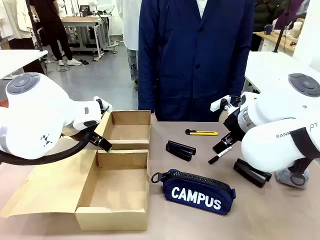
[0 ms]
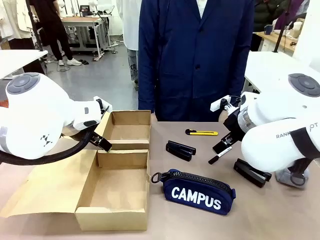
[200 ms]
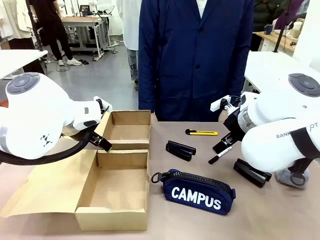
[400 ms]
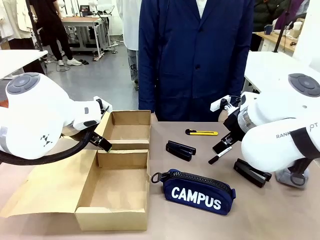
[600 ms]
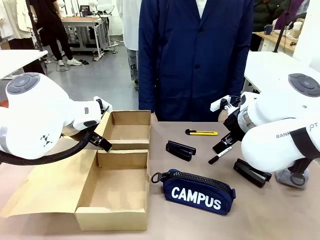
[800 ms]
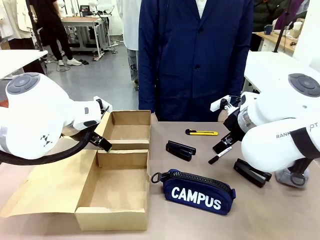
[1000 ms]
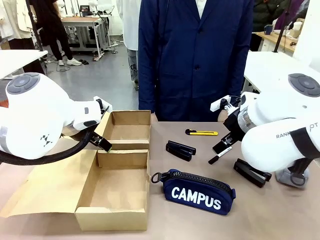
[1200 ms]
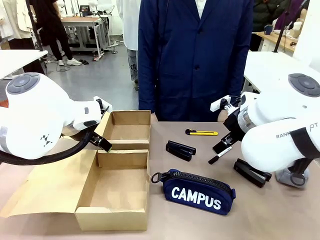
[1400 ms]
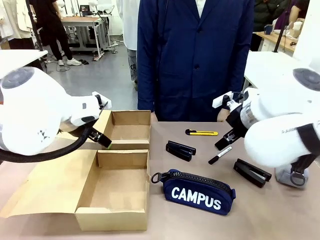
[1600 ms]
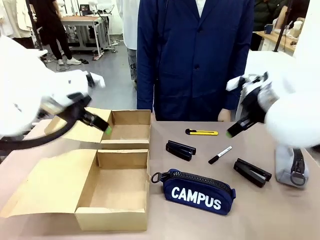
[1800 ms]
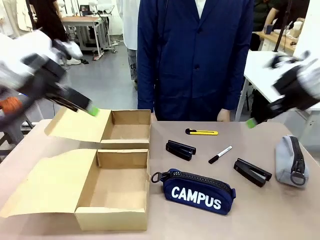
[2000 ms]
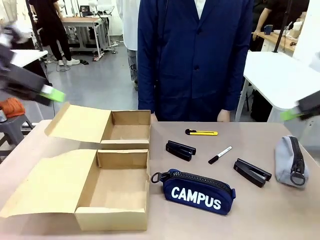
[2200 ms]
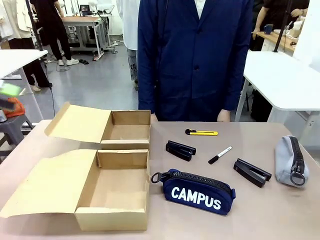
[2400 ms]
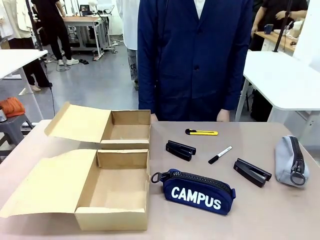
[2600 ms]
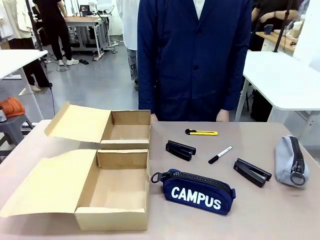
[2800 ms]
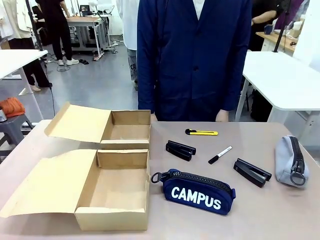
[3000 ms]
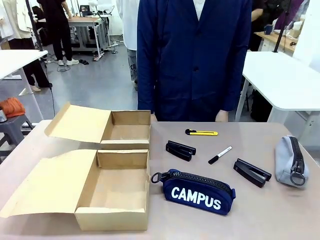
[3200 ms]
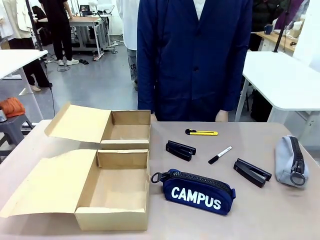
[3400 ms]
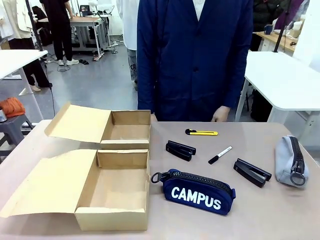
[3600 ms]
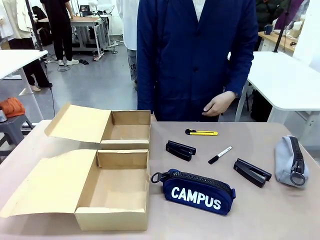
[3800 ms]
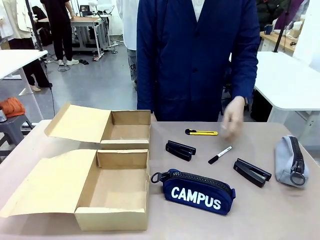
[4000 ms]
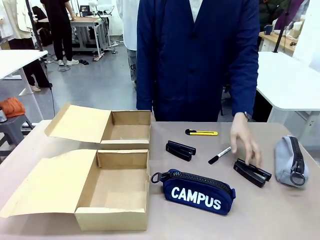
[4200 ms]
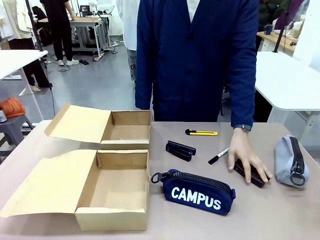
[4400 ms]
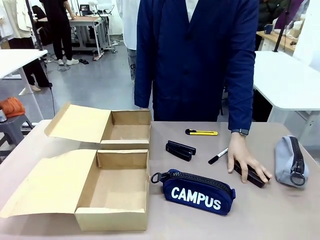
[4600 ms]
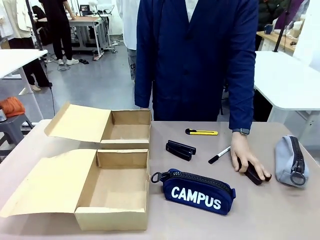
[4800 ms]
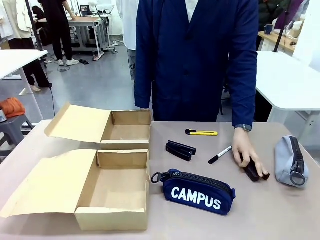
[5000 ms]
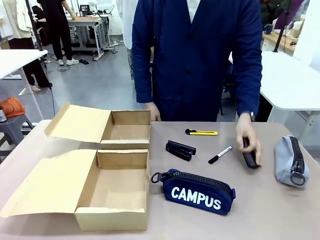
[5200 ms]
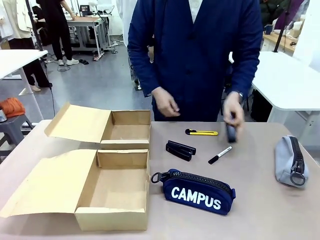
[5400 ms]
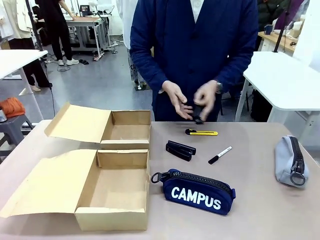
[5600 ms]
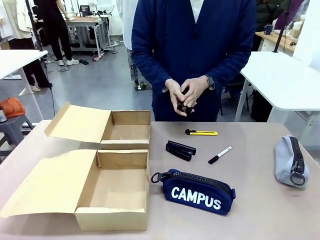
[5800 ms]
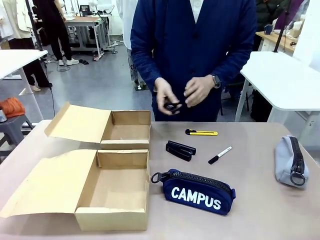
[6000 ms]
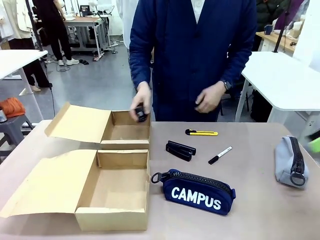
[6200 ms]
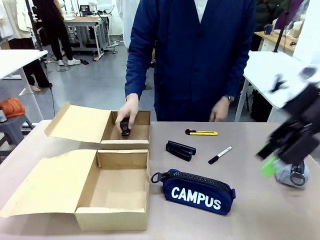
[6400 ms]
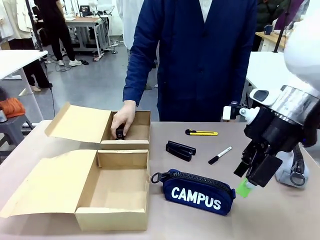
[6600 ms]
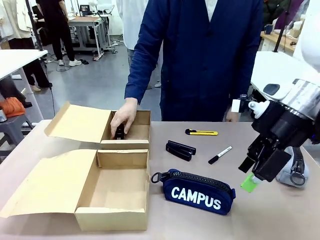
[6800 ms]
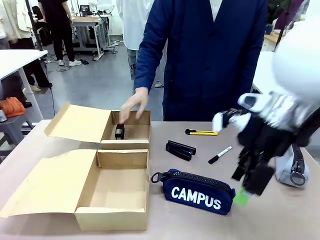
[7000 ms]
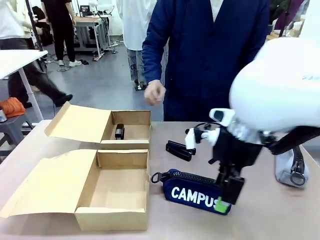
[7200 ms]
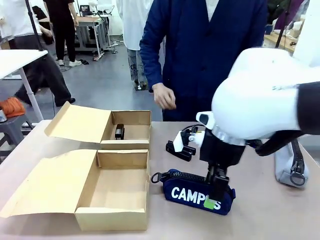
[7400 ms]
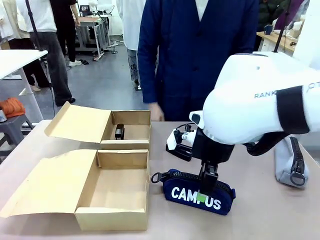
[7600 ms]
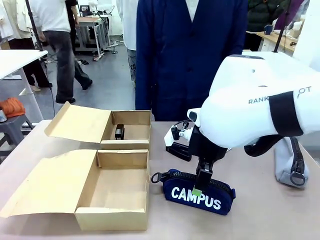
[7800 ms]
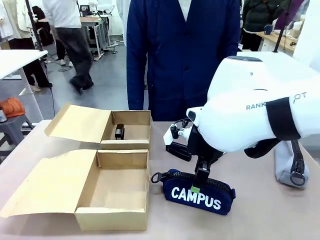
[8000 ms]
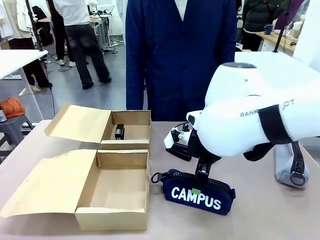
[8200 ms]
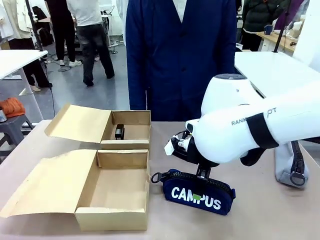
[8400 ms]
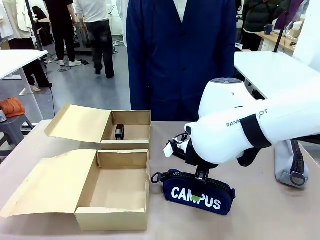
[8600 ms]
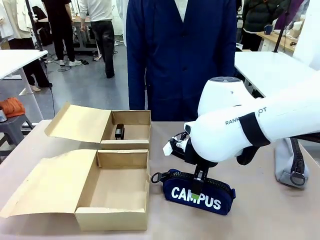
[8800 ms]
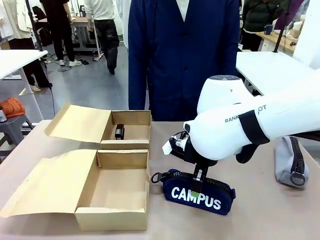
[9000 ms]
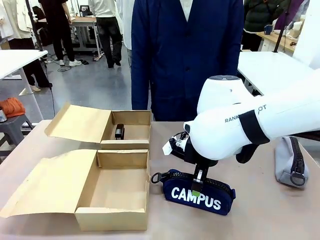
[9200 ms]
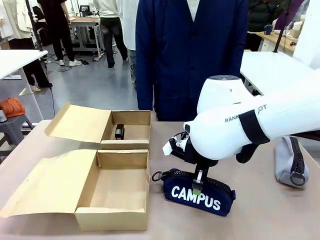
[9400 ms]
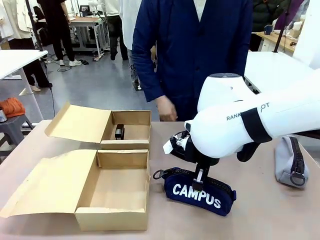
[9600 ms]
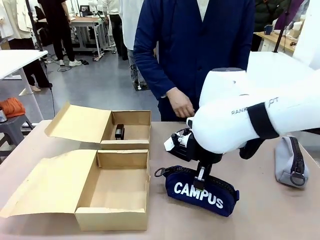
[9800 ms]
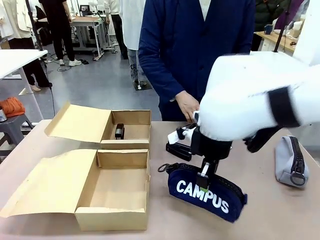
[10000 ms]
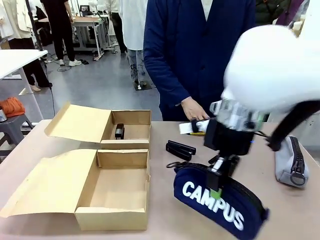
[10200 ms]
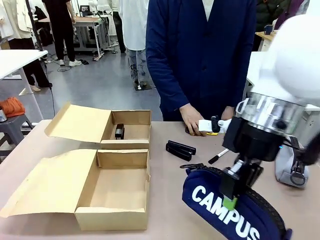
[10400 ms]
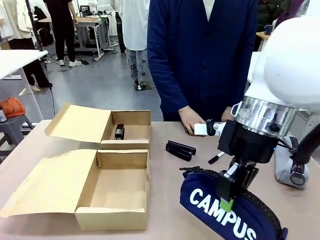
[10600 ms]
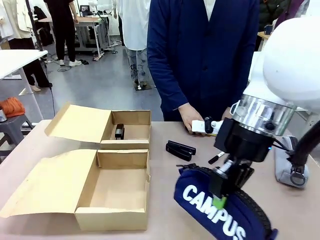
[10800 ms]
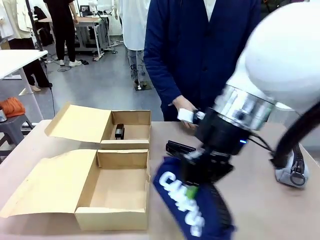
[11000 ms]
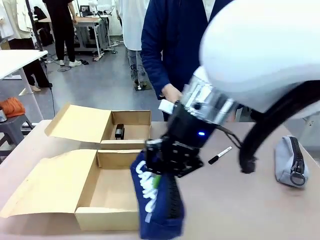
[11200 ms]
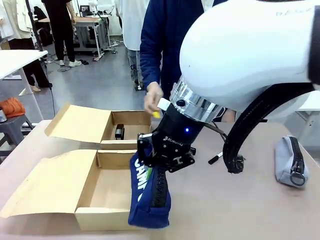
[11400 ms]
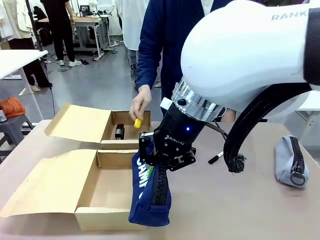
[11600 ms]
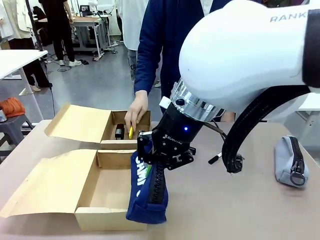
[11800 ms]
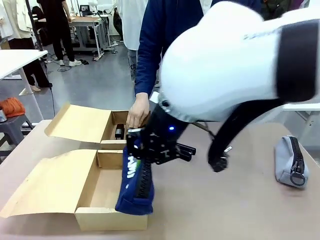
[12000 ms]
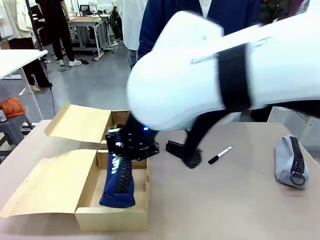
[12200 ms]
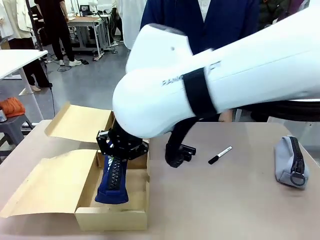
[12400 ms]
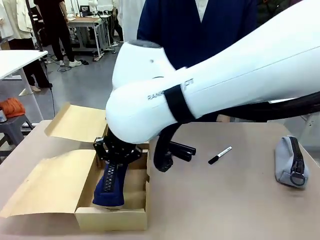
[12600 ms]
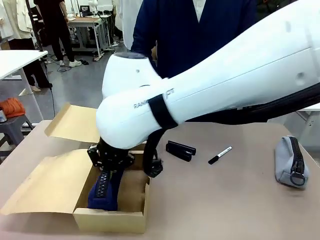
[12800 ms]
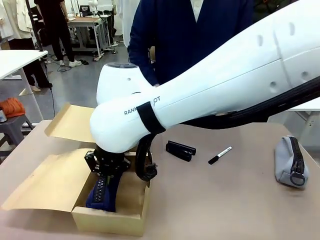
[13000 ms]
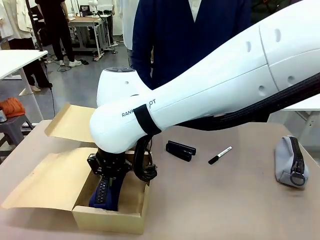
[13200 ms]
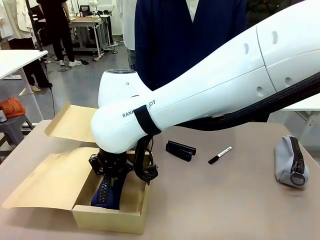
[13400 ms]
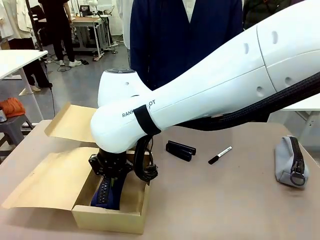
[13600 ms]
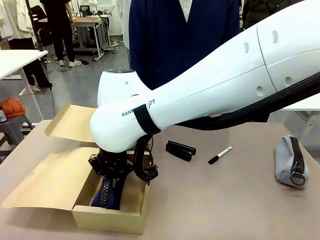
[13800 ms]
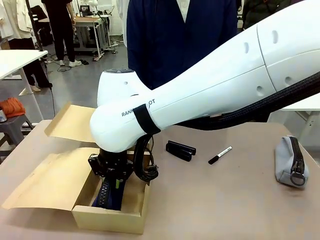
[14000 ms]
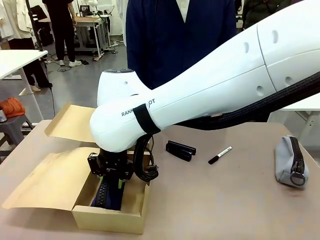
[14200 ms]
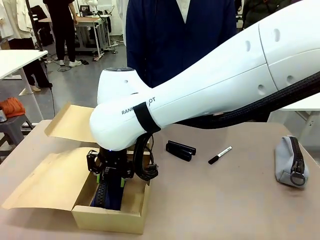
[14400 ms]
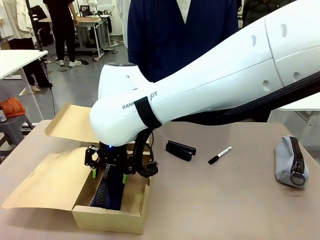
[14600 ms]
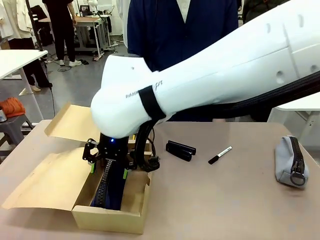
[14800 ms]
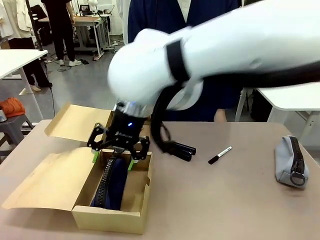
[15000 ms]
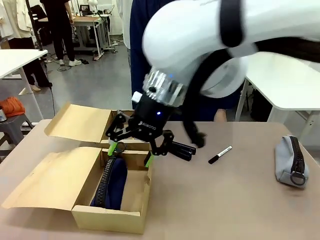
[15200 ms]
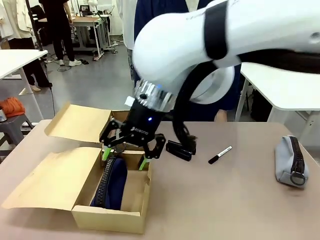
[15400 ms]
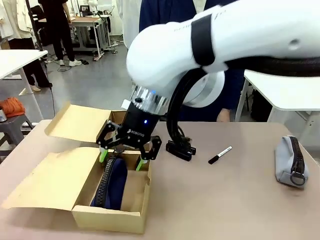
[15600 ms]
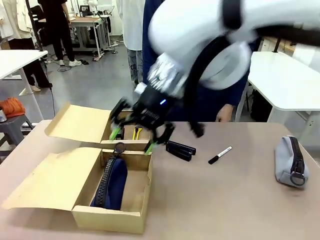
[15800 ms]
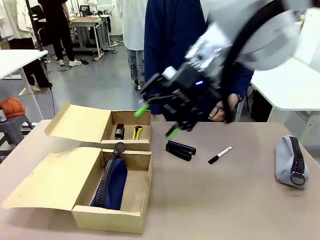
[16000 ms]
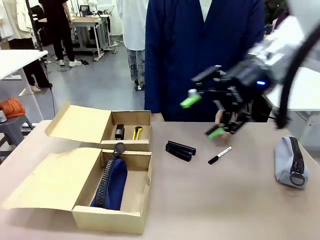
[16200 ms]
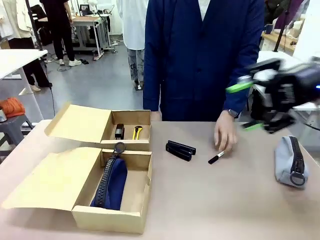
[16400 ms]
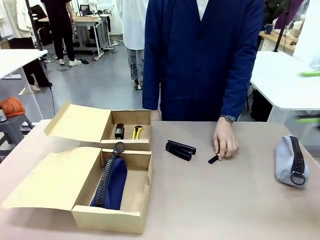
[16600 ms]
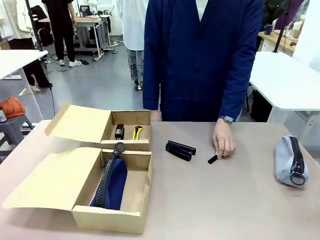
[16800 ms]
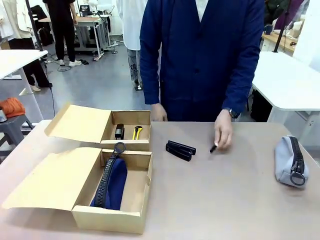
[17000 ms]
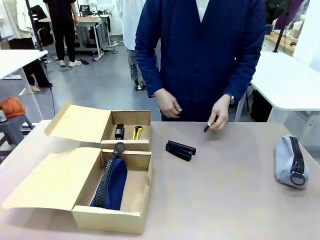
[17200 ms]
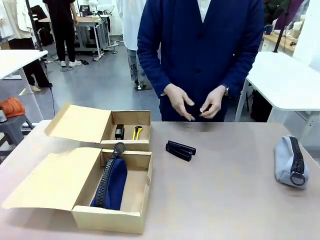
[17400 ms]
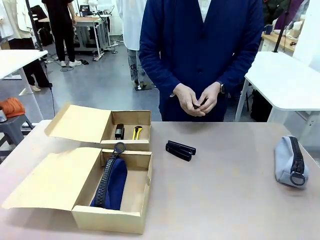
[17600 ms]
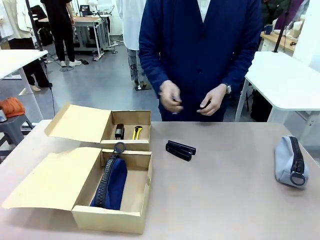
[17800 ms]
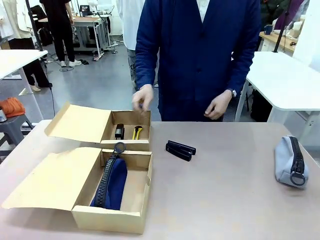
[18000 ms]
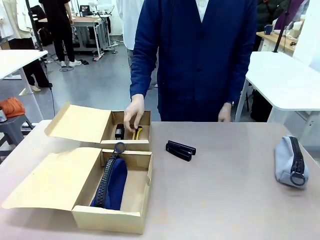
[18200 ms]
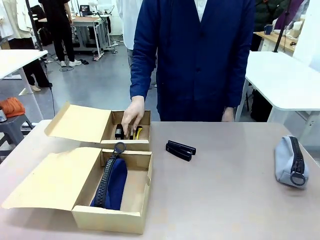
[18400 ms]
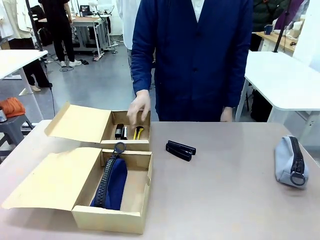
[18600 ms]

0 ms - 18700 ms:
Task: Place items inside the box.
Robot: Pick up a Pencil pouch or Stapler and place it inside the Mailer Box closest to the robot.
Person: Pick up an object on the table and put it in the box.
